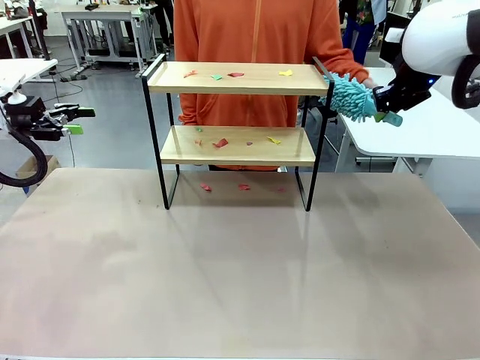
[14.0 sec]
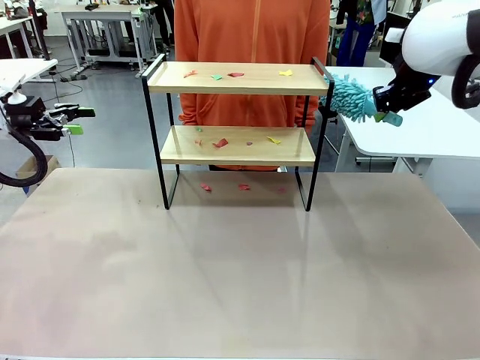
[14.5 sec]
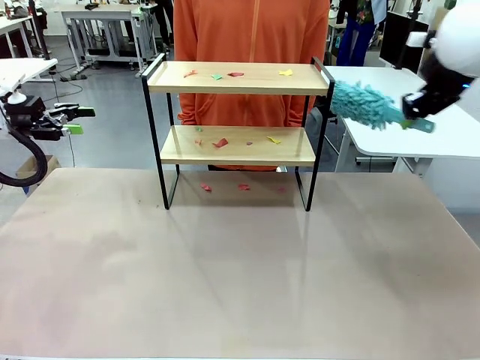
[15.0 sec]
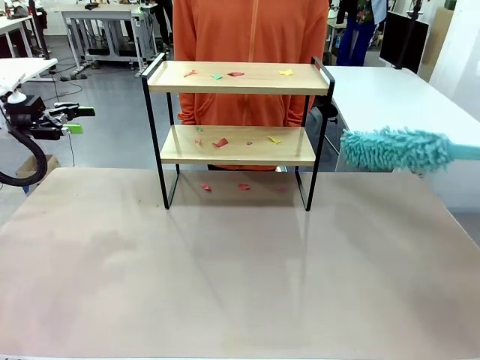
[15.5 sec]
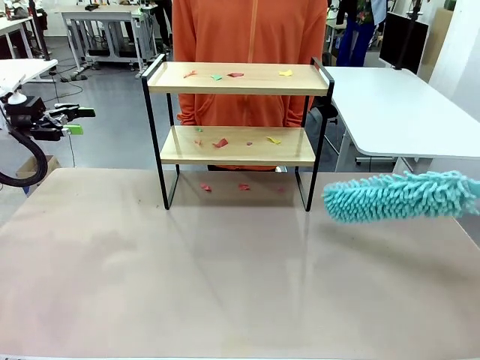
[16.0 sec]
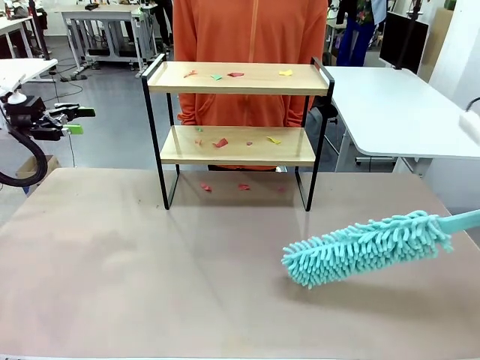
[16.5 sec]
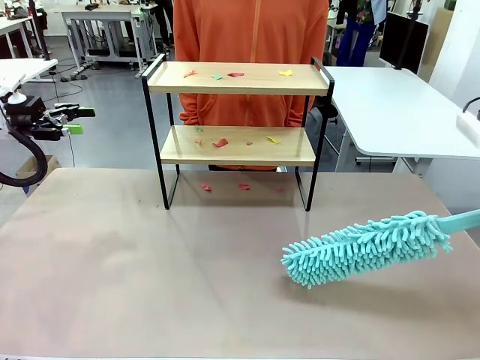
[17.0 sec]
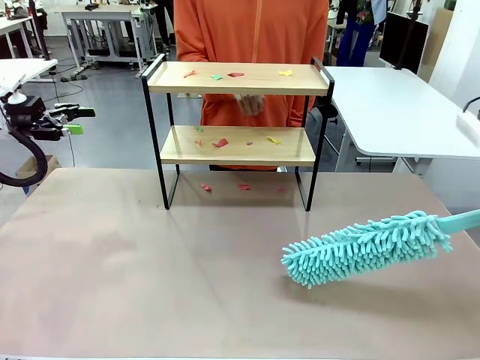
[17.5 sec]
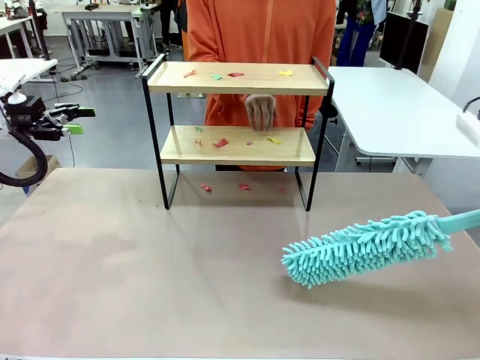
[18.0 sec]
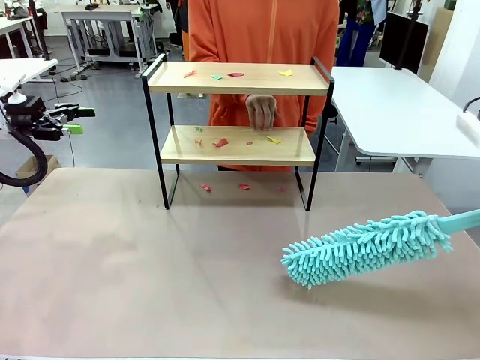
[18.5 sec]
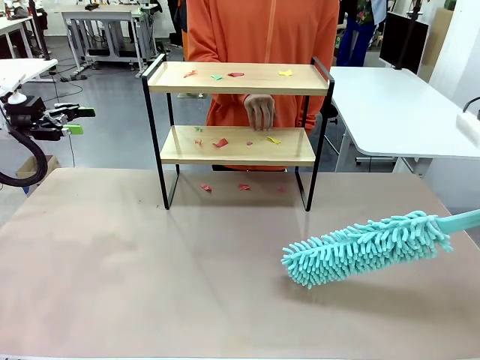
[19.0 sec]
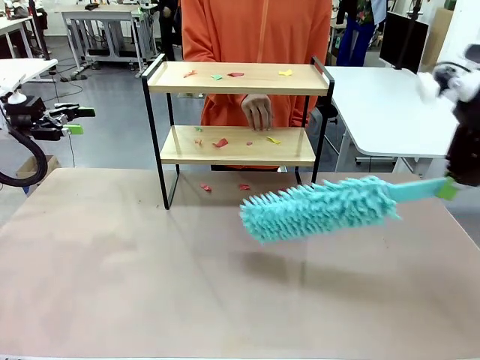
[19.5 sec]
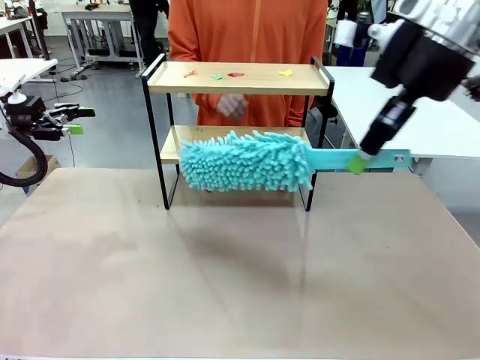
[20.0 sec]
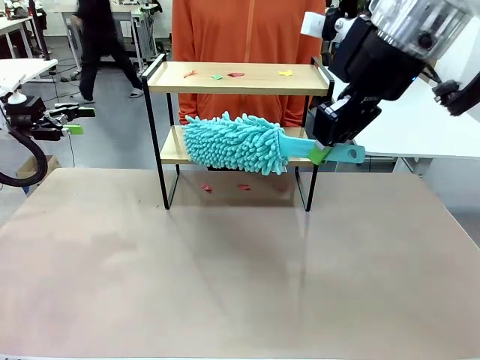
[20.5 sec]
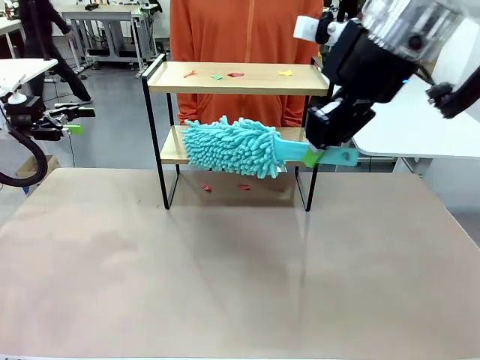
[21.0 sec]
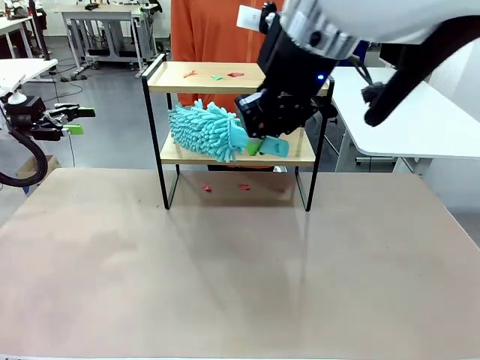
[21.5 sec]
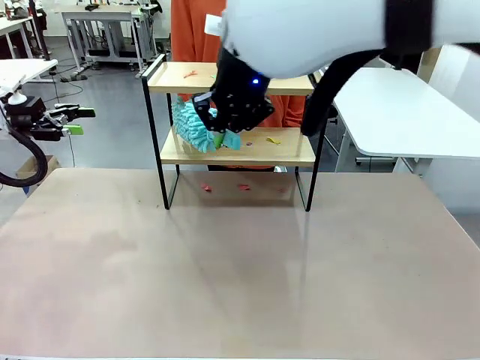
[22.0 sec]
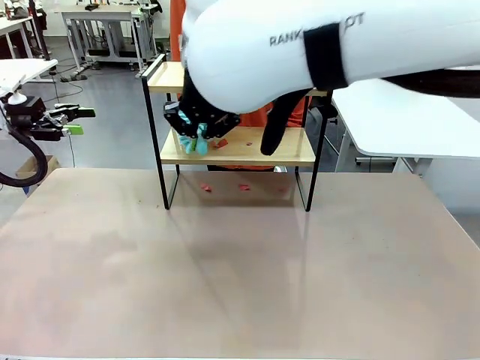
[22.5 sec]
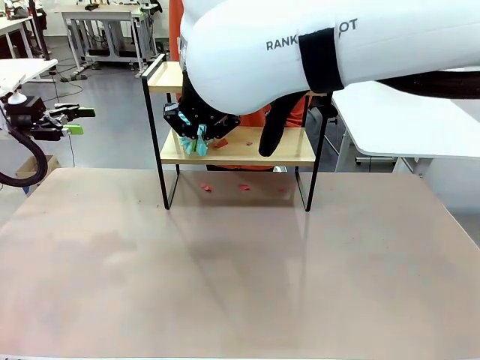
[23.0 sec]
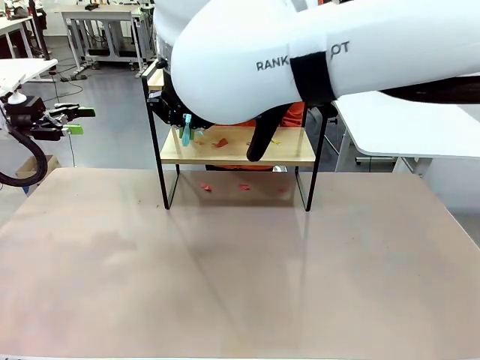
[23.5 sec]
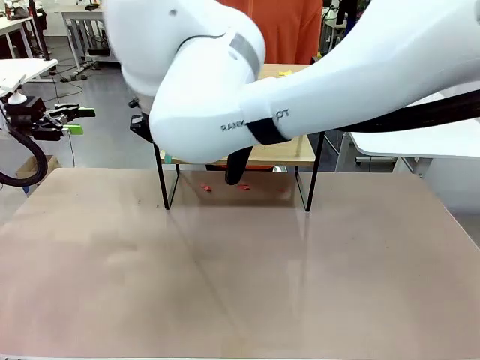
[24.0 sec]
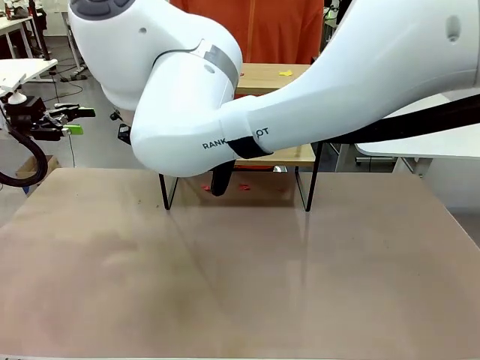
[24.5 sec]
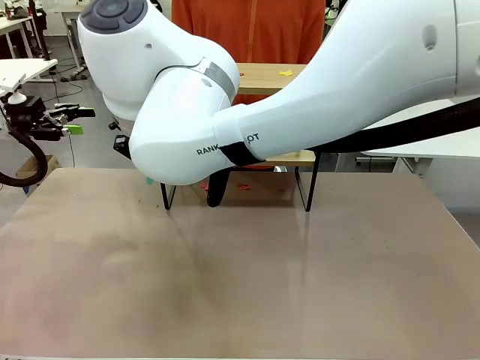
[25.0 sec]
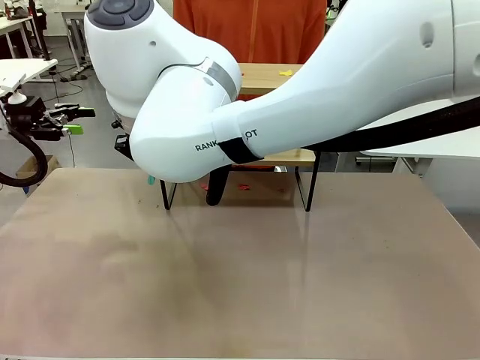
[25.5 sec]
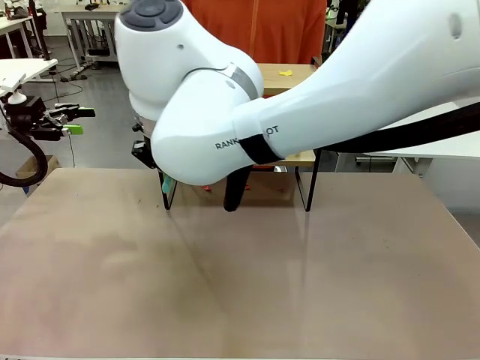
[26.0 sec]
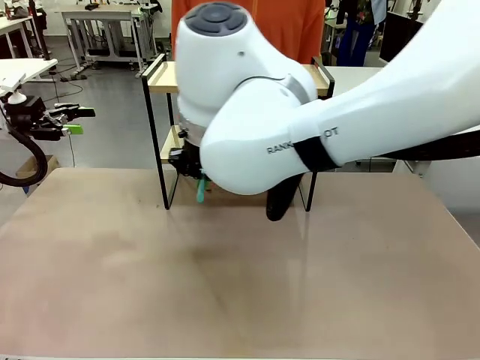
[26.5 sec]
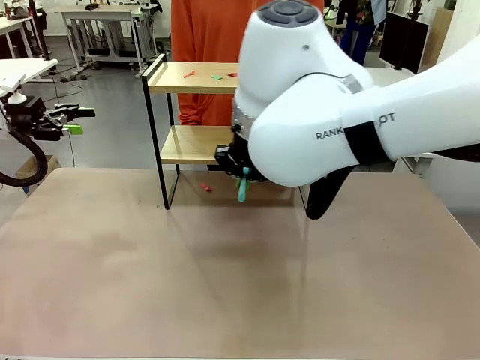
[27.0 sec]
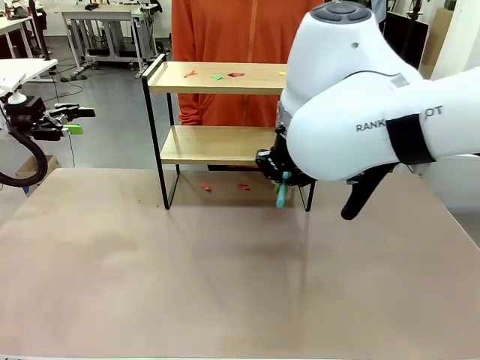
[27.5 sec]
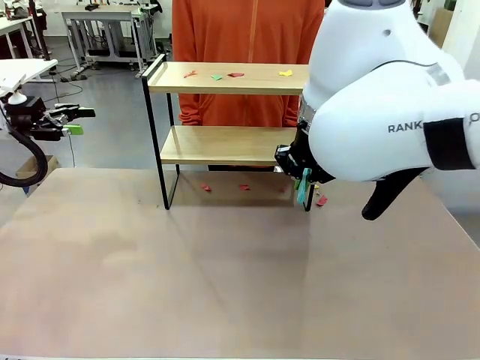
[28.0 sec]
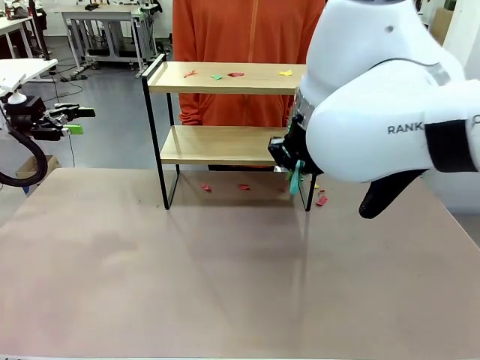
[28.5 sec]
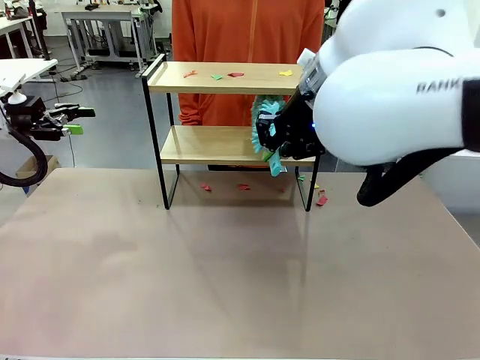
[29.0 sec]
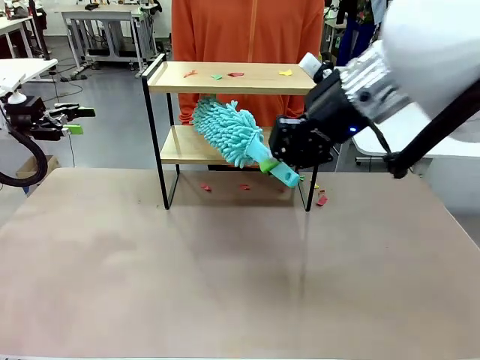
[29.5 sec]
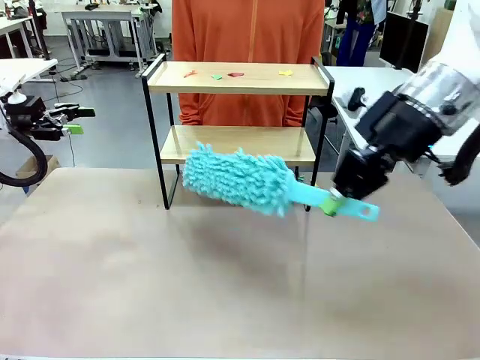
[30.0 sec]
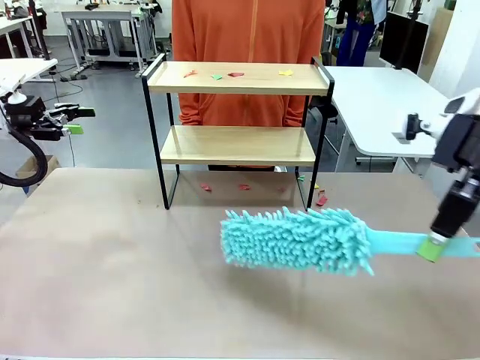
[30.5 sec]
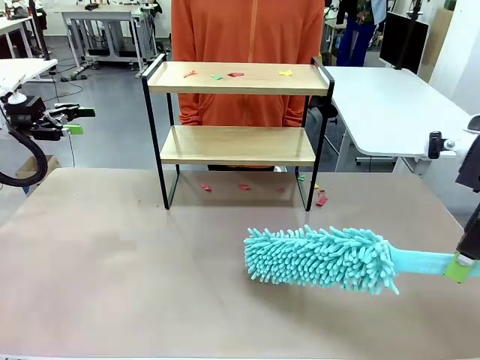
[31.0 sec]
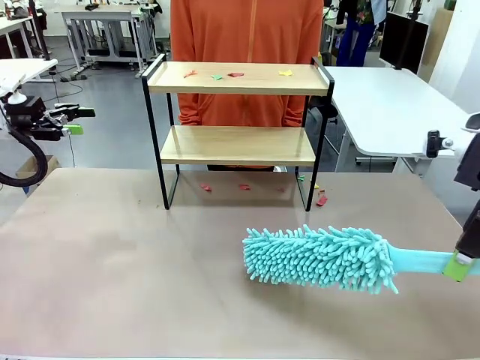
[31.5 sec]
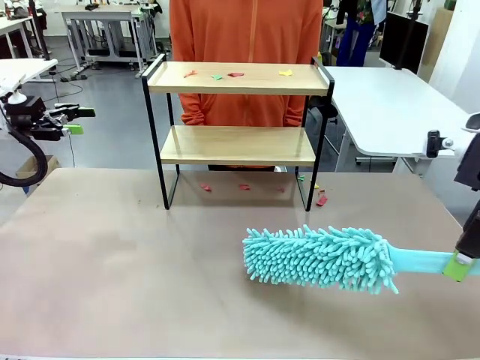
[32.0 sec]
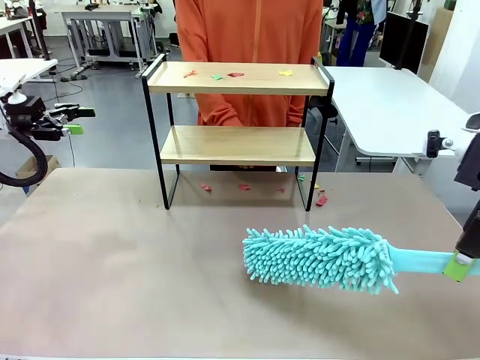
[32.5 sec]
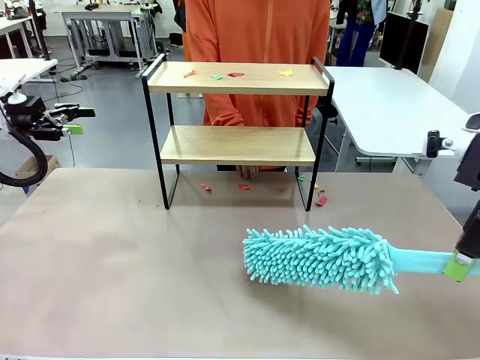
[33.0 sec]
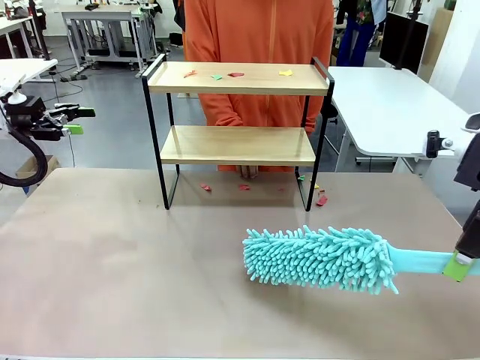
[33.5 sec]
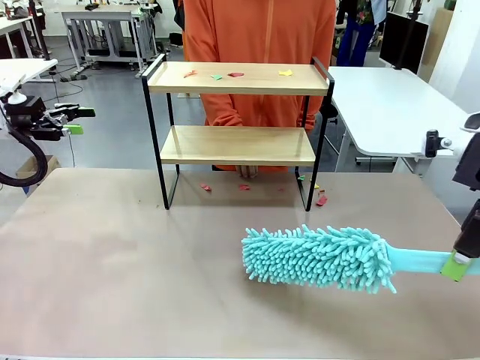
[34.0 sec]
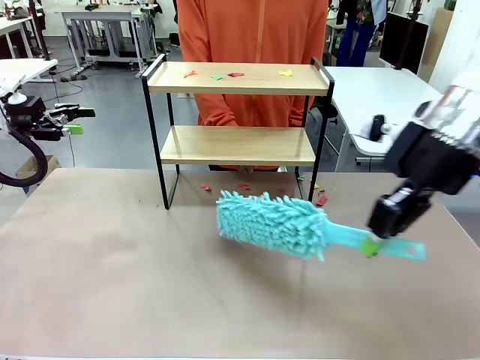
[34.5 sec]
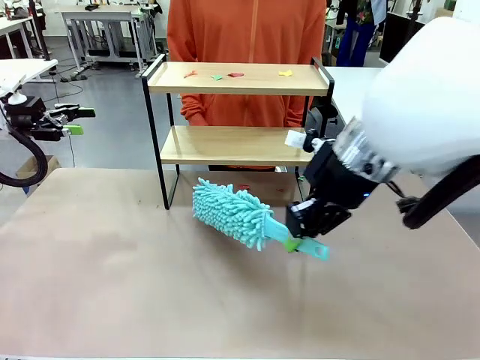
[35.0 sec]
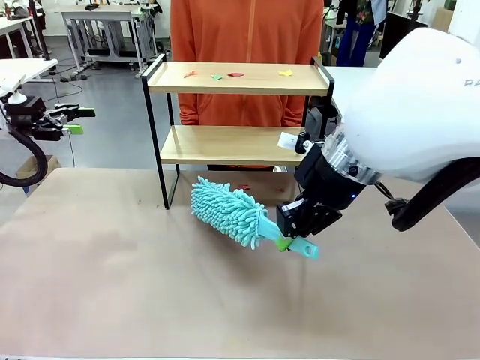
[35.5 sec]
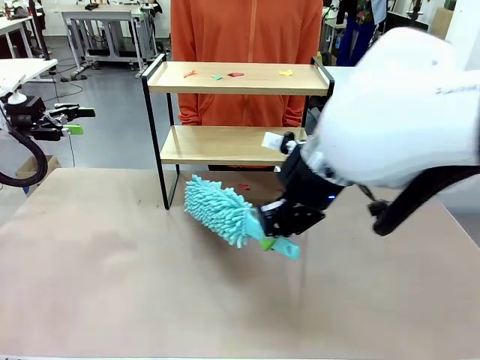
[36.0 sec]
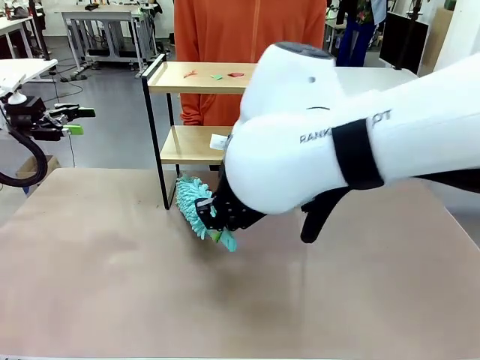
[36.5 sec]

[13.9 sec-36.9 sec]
Task: Clean the shelf.
Robot: Clean the specific section of the Shelf indicated by the human with the Duster.
Person: Point a random section of the Shelf.
